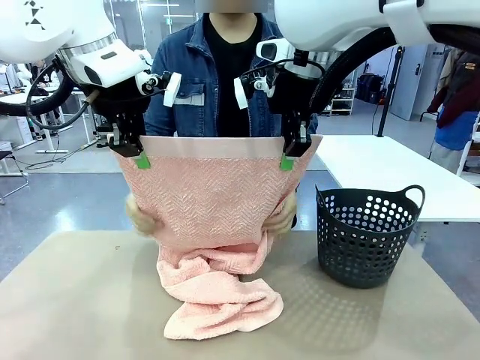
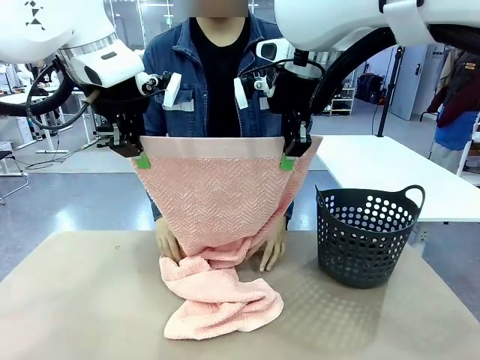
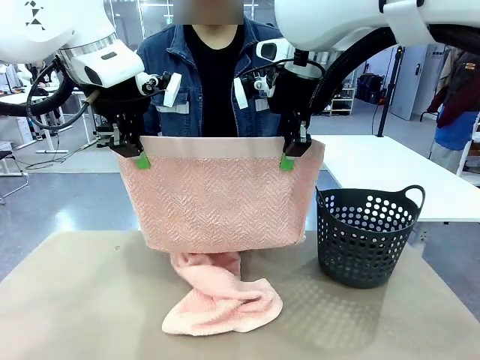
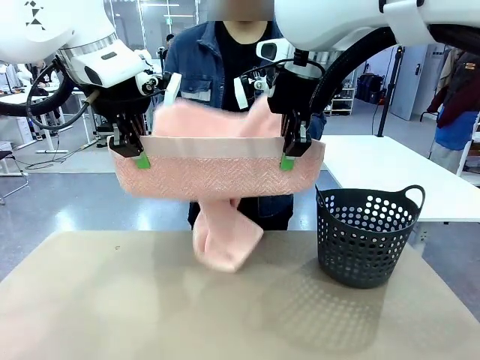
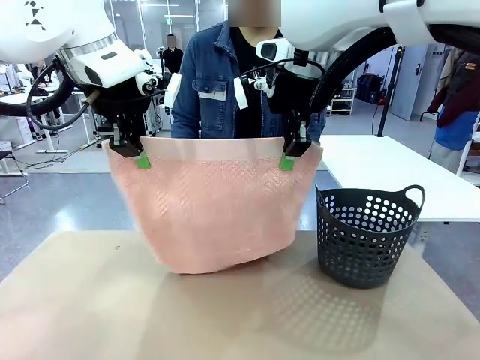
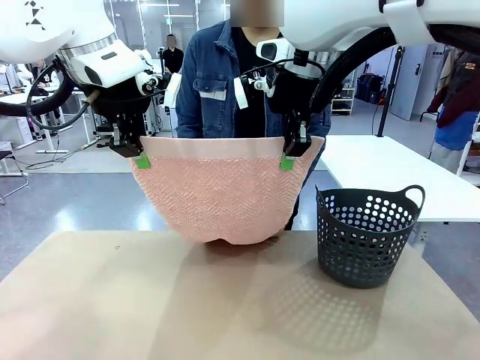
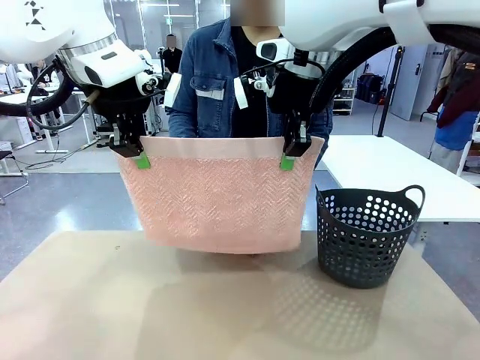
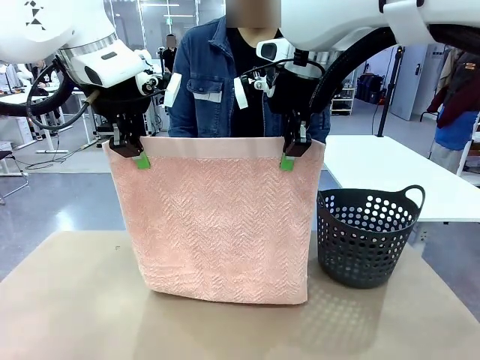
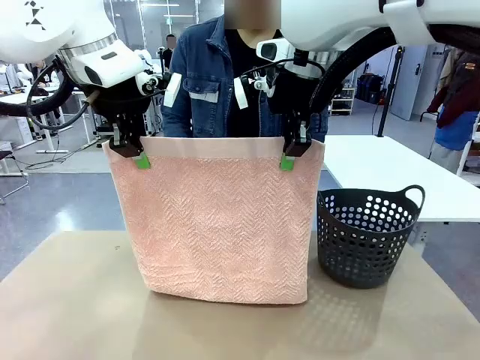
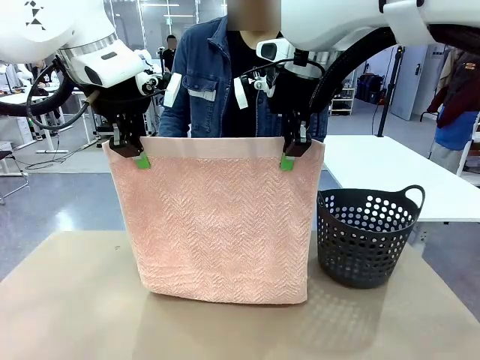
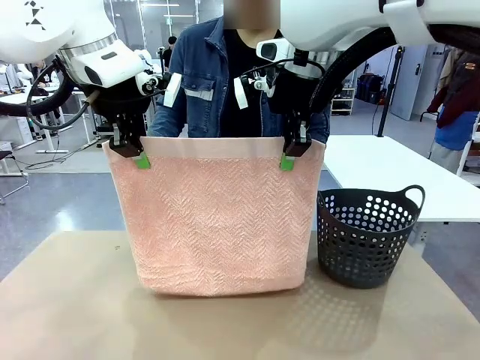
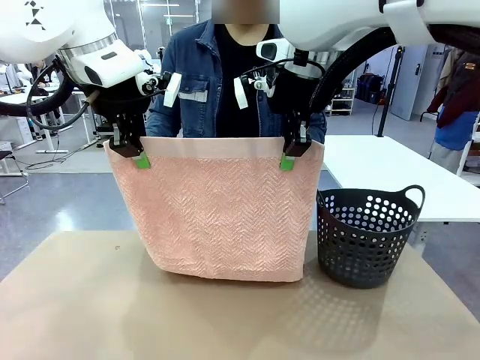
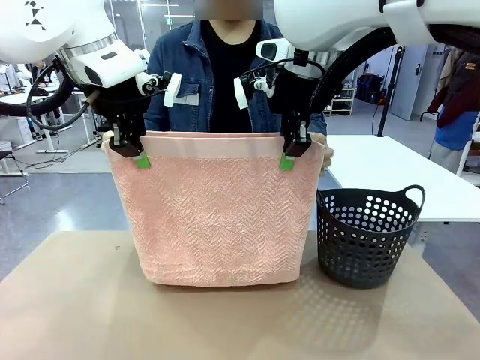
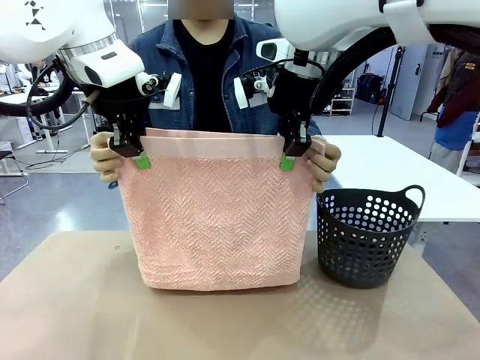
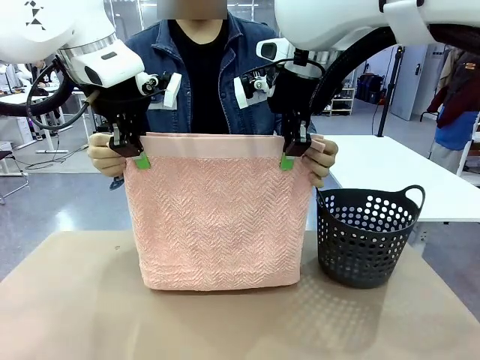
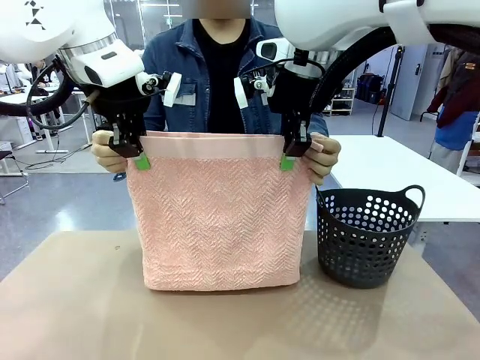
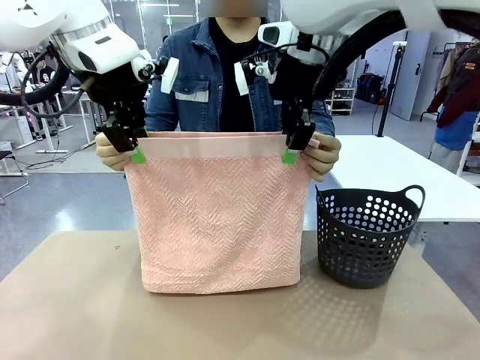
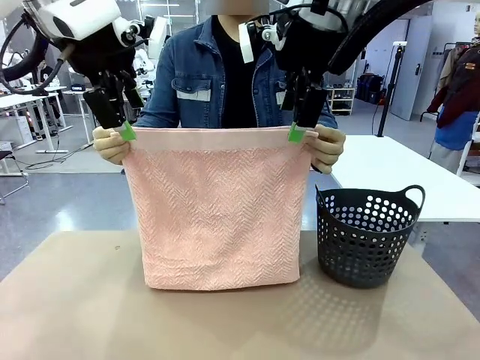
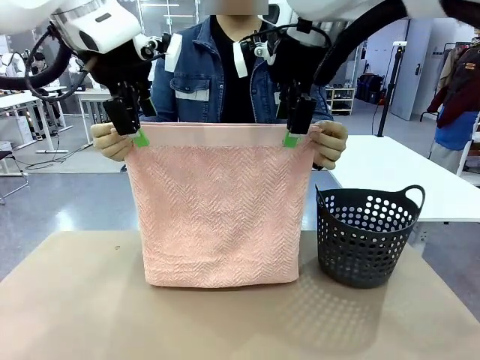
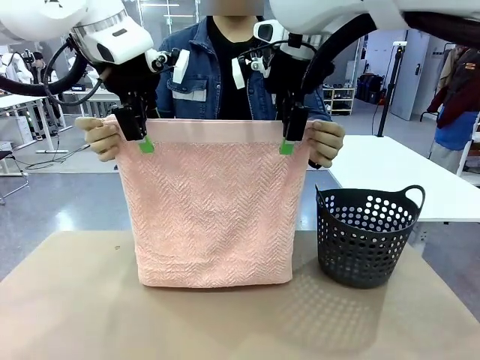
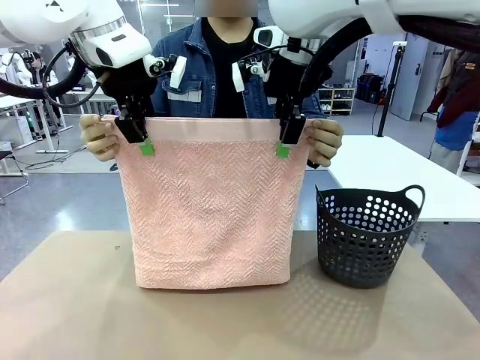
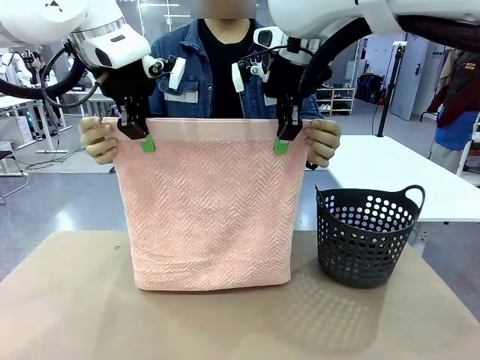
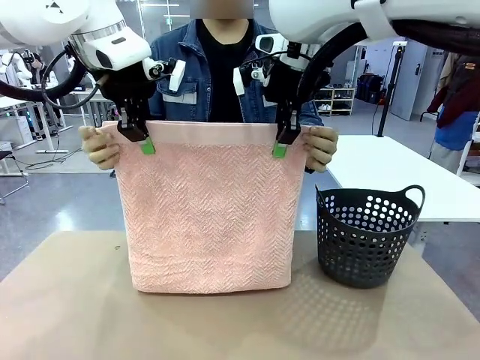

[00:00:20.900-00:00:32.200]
Task: Fold the towel.
Robot: Release the end of the 100 cm Hotel Towel you were holding and grab the top end of the folded side.
Person: Using the point held by the robot as a reference, grasp the opposite end, fold the towel in half, and then hold both ends of the folded towel.

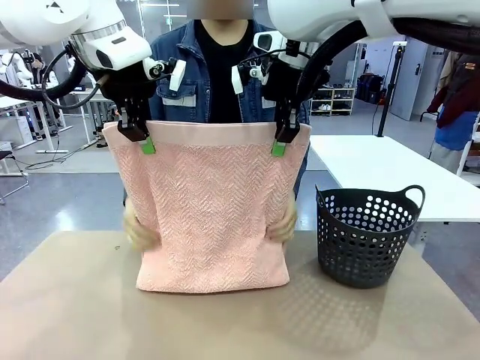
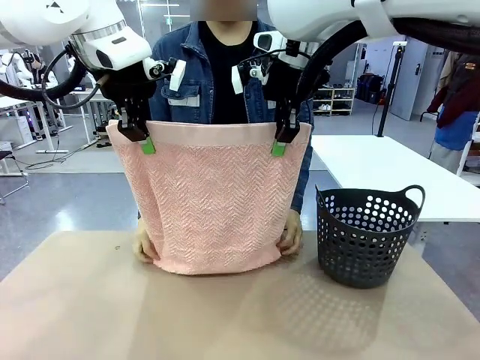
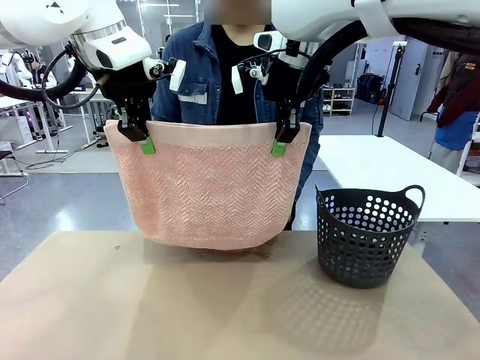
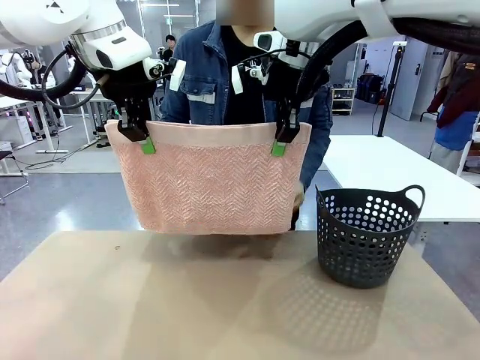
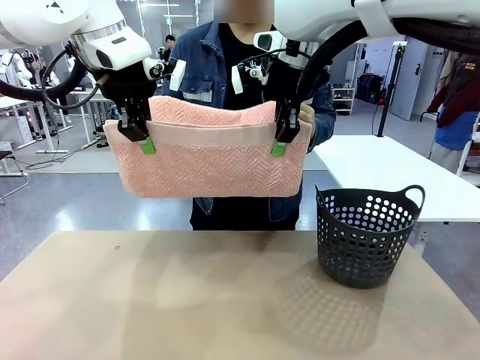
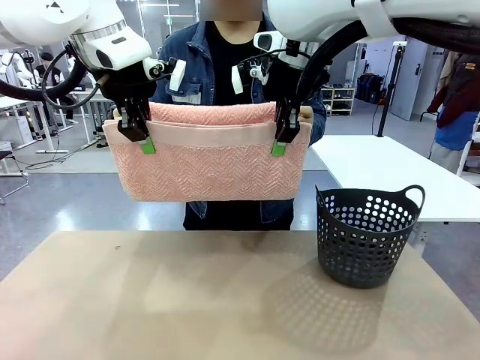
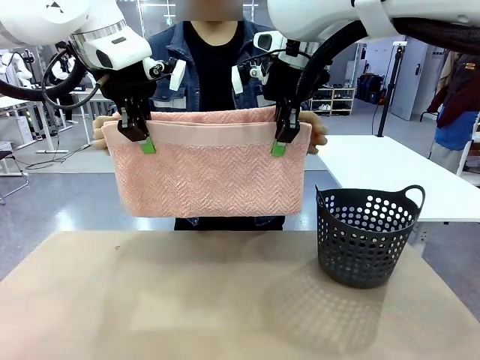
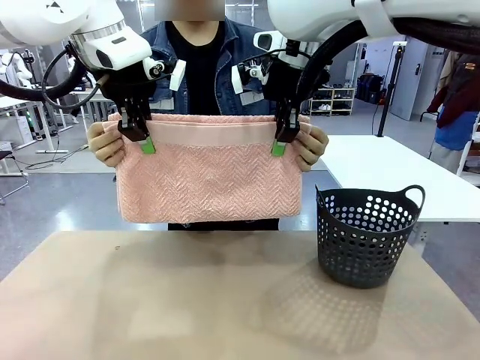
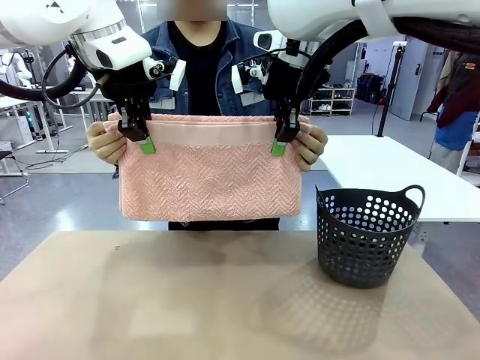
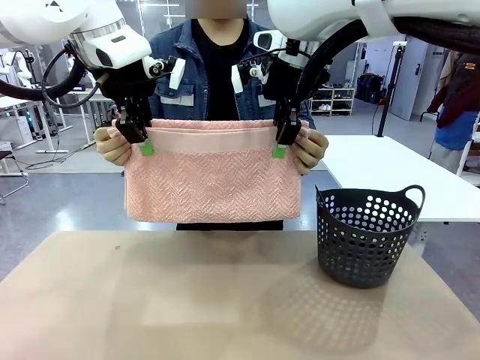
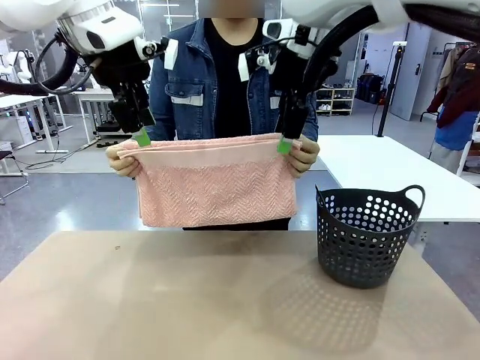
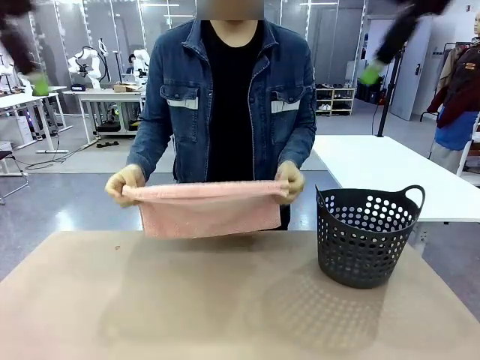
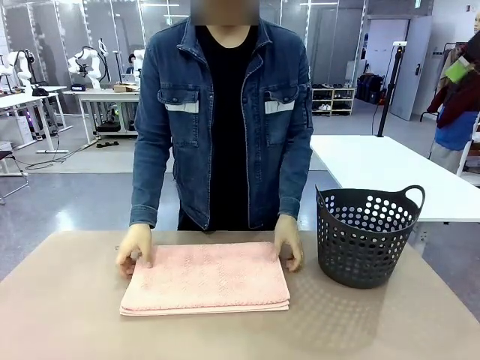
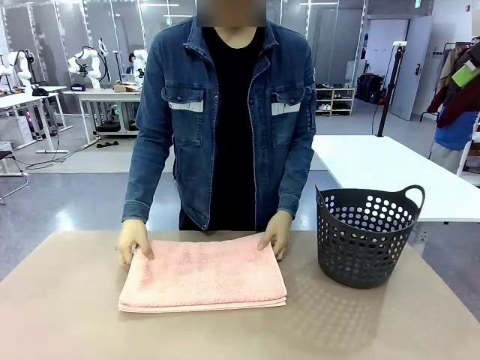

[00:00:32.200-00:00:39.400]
Robot: Release the end of the 100 cm Hotel Towel you were holding.
Person: Place the towel at the center of the robot table and fold it in half.

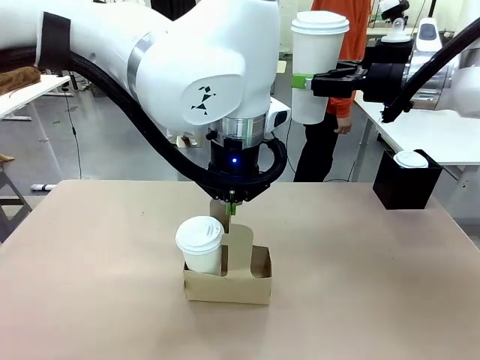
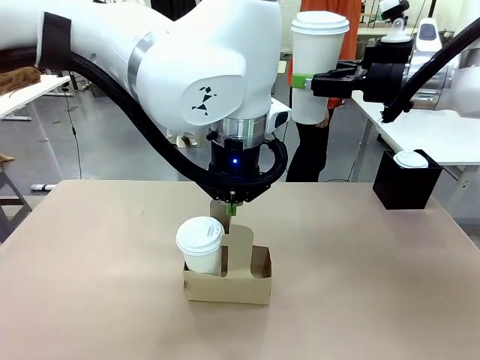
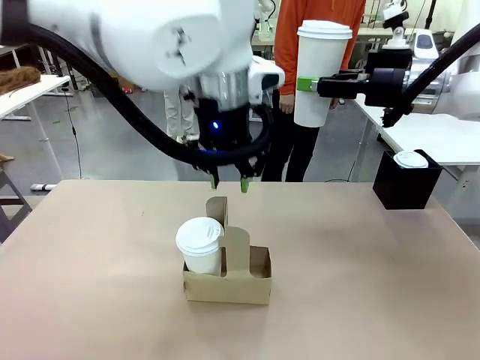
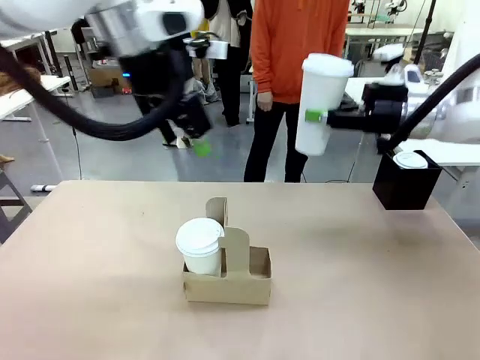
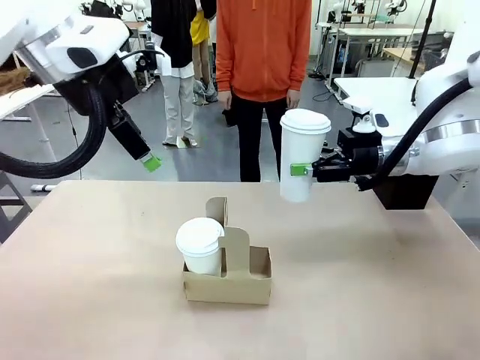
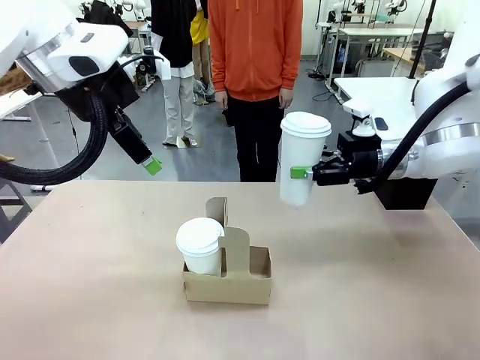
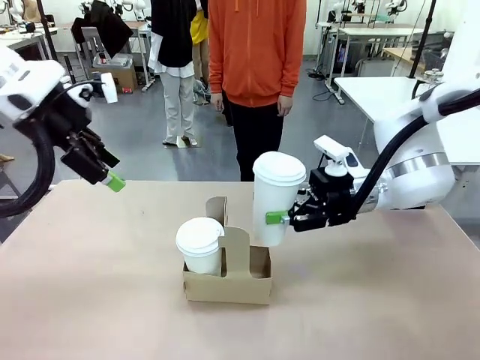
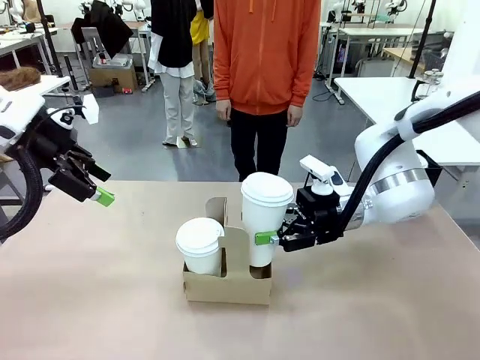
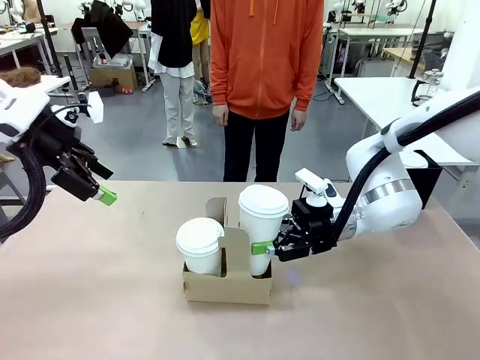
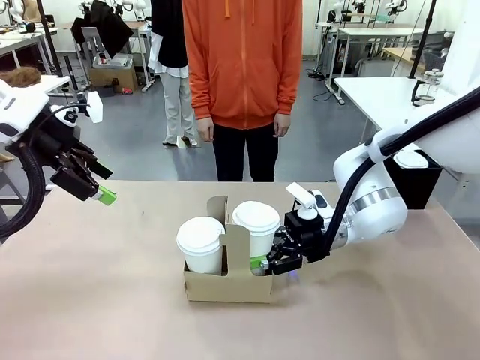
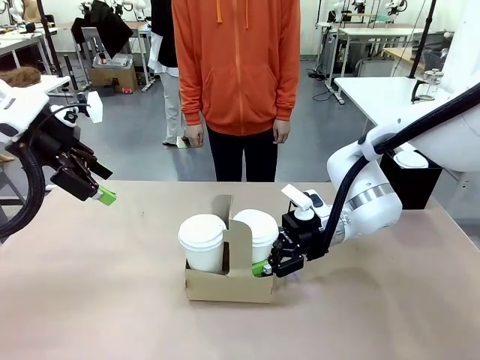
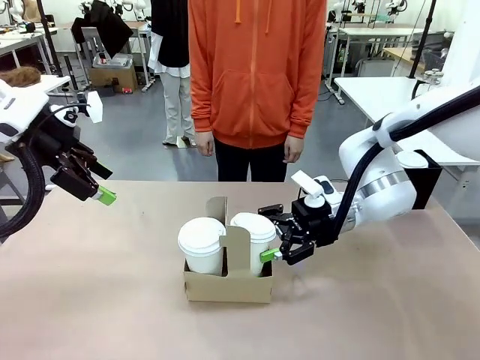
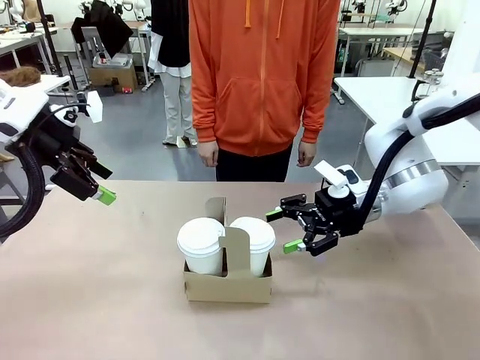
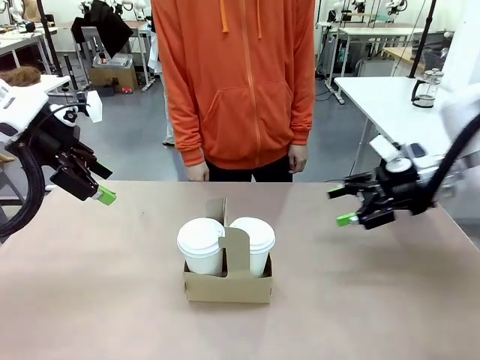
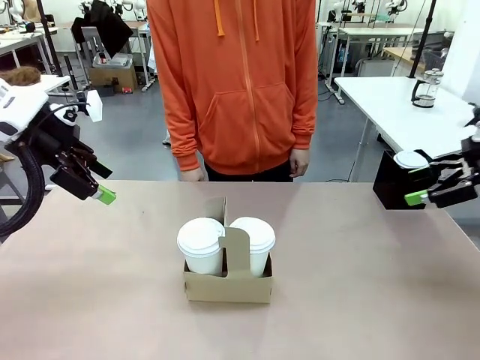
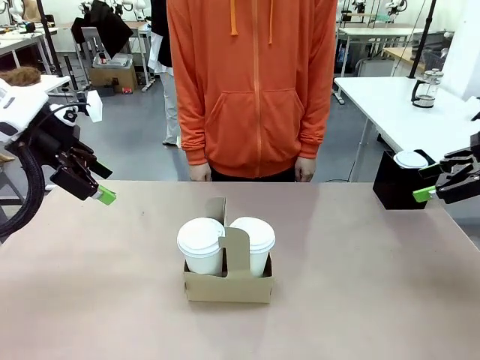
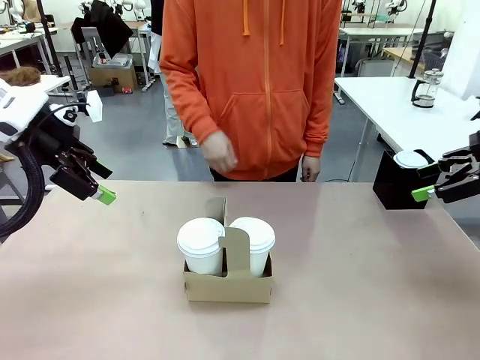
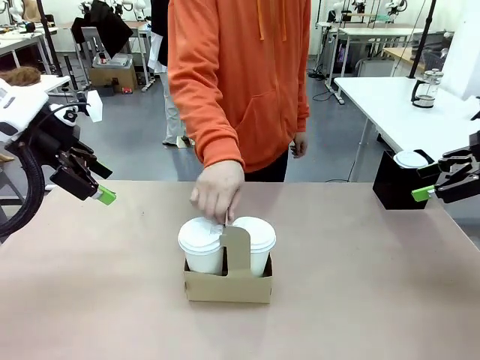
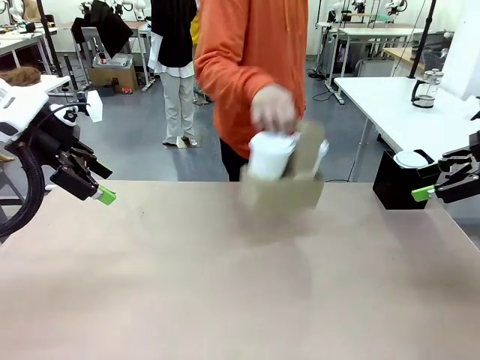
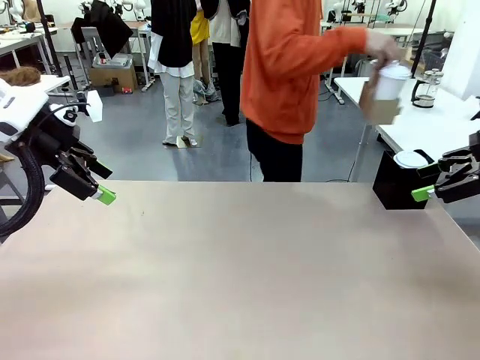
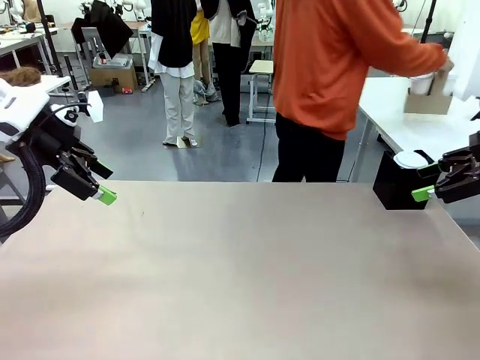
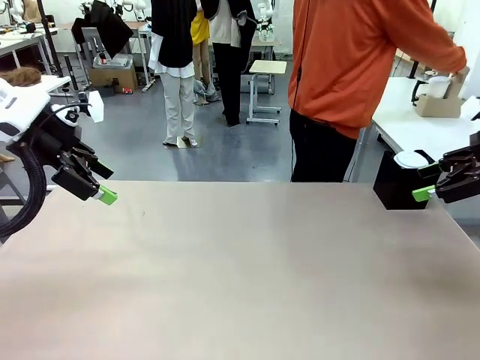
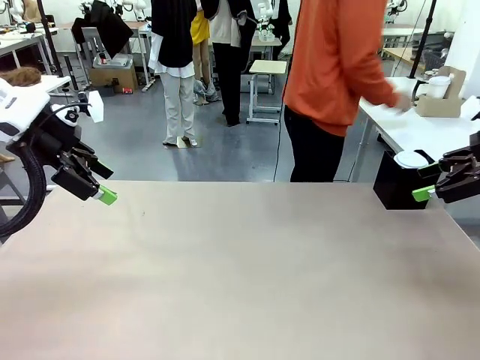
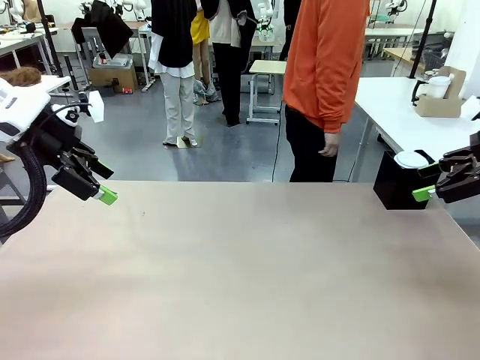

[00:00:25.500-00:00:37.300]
Task: Pour a drink into a cup and package it in a carrier.
Robot: Insert the held 600 ml Paper Cup into the Cup Carrier.
Person: Place the Cup Carrier to the middle of Human table.
